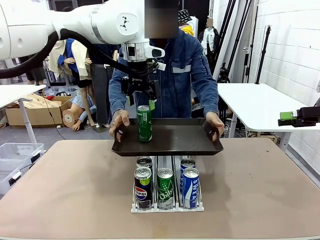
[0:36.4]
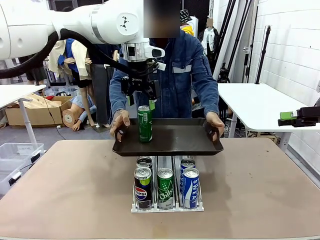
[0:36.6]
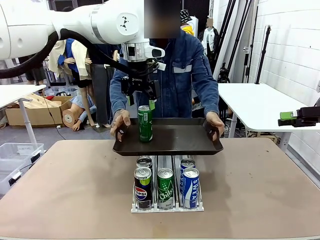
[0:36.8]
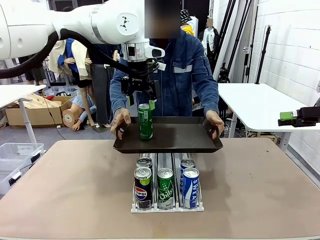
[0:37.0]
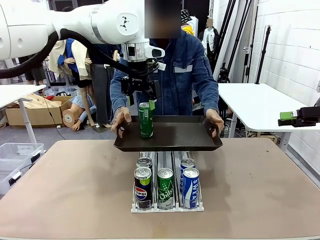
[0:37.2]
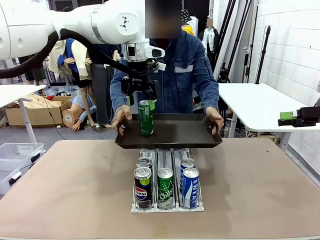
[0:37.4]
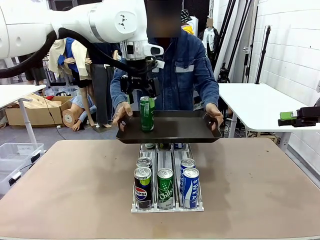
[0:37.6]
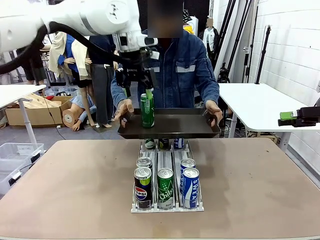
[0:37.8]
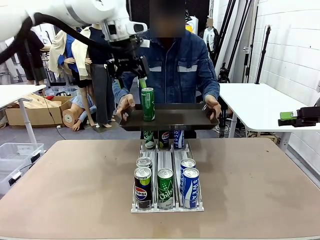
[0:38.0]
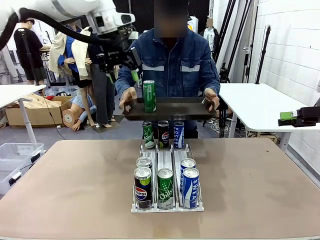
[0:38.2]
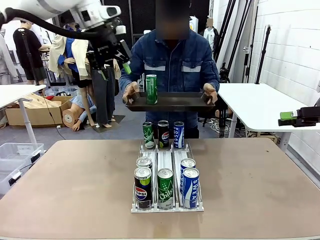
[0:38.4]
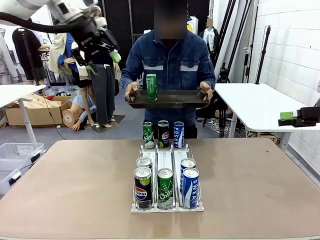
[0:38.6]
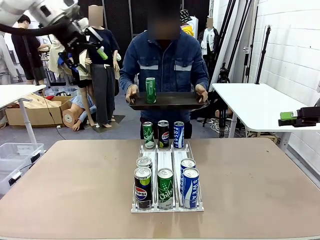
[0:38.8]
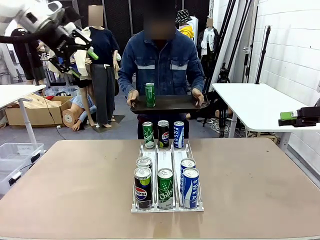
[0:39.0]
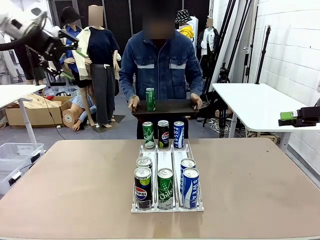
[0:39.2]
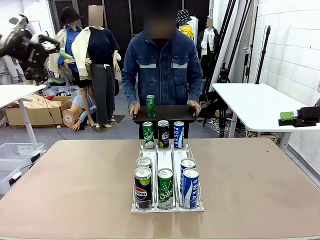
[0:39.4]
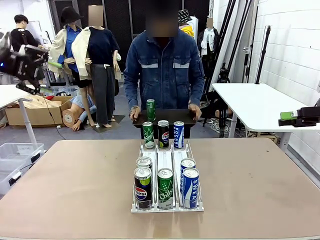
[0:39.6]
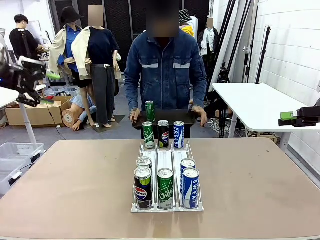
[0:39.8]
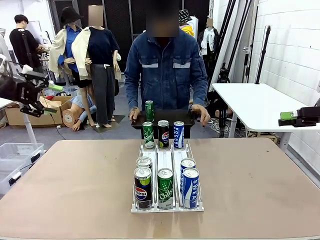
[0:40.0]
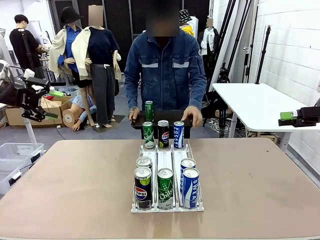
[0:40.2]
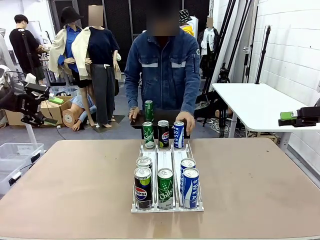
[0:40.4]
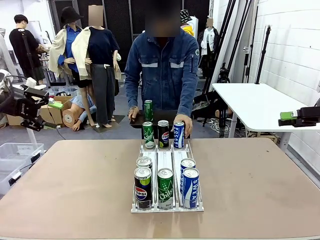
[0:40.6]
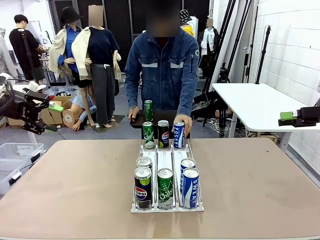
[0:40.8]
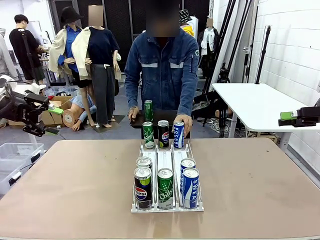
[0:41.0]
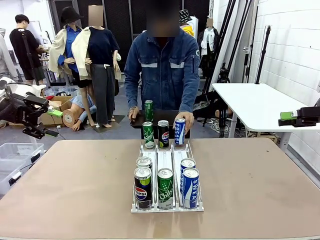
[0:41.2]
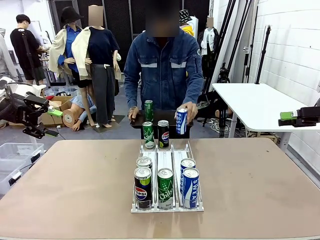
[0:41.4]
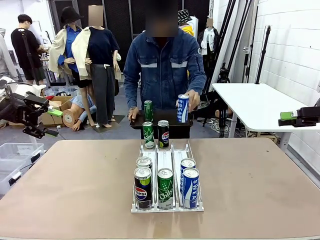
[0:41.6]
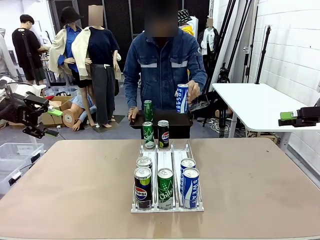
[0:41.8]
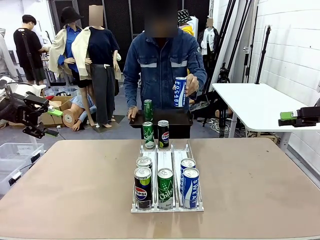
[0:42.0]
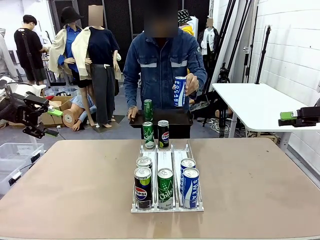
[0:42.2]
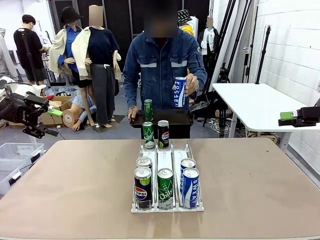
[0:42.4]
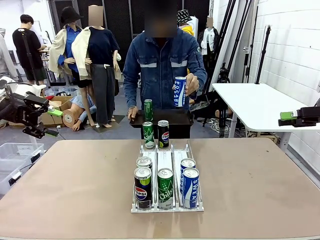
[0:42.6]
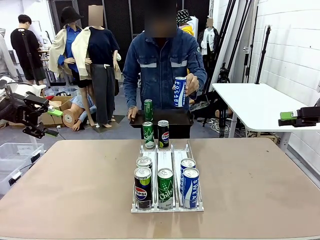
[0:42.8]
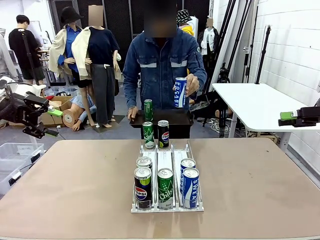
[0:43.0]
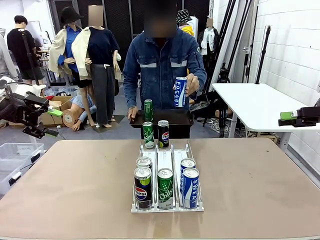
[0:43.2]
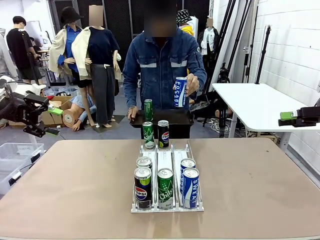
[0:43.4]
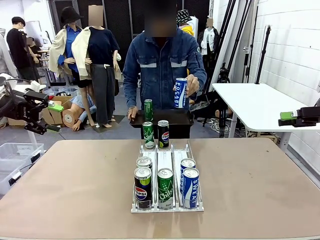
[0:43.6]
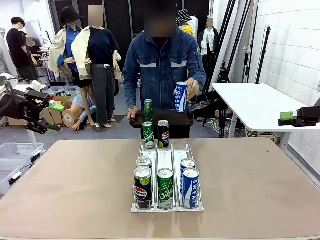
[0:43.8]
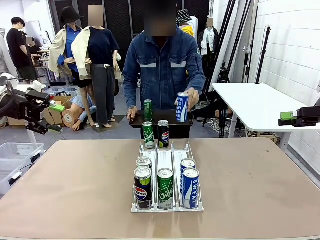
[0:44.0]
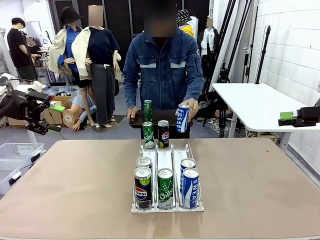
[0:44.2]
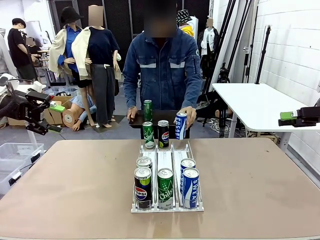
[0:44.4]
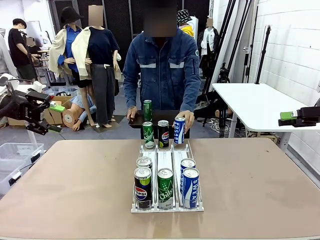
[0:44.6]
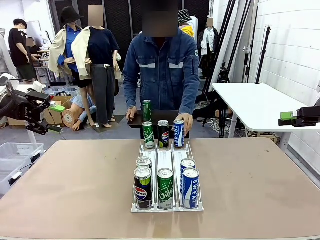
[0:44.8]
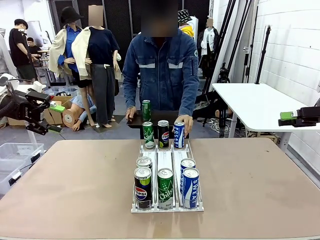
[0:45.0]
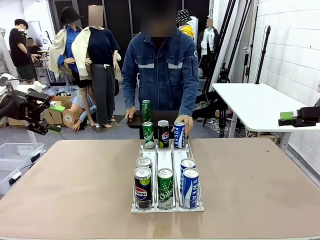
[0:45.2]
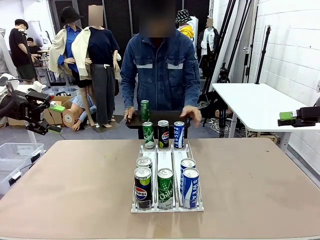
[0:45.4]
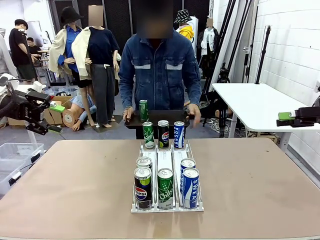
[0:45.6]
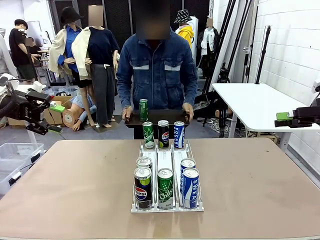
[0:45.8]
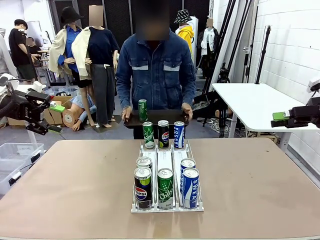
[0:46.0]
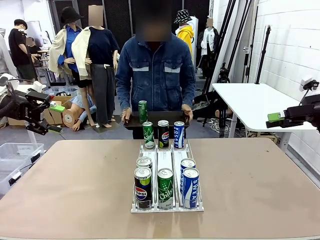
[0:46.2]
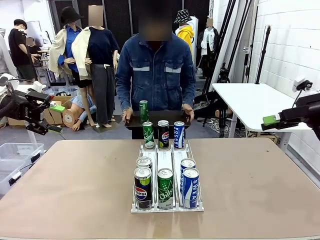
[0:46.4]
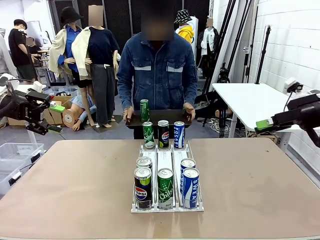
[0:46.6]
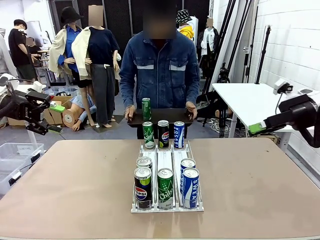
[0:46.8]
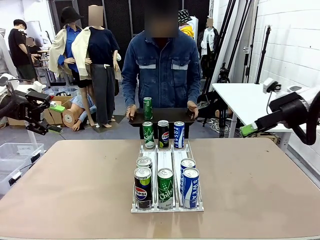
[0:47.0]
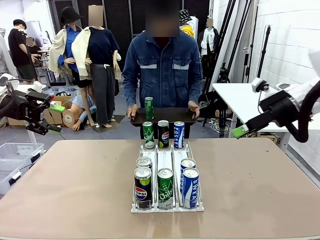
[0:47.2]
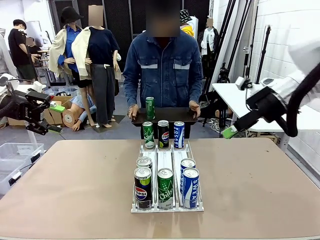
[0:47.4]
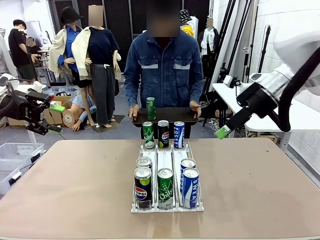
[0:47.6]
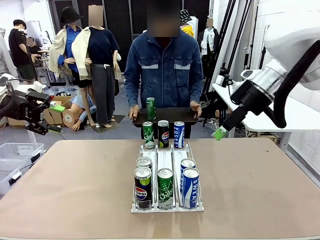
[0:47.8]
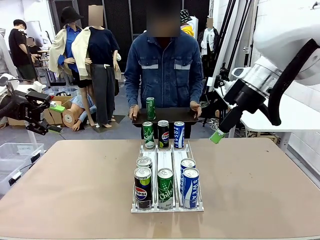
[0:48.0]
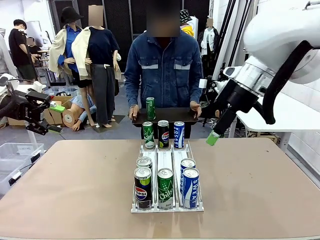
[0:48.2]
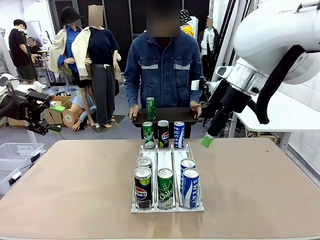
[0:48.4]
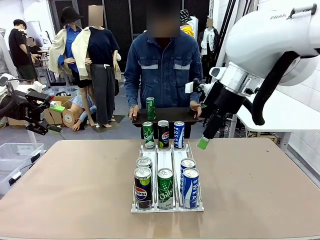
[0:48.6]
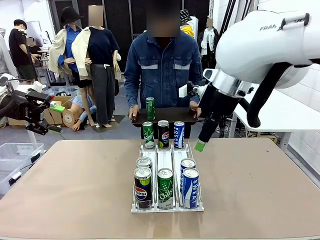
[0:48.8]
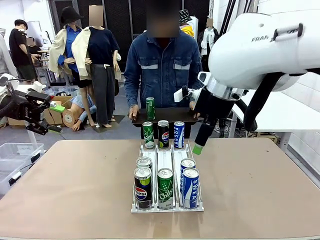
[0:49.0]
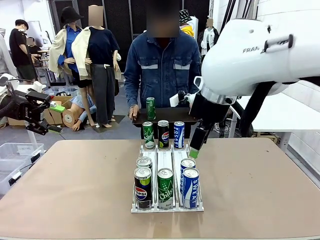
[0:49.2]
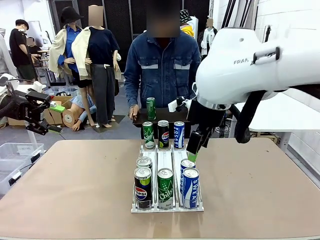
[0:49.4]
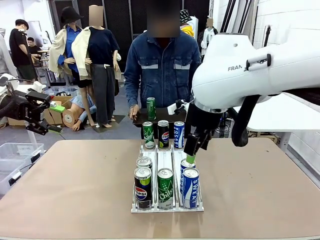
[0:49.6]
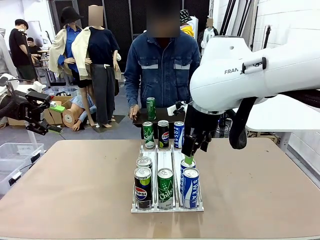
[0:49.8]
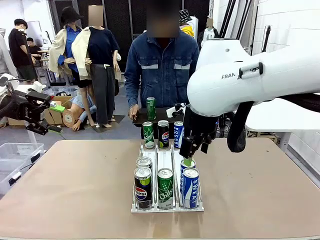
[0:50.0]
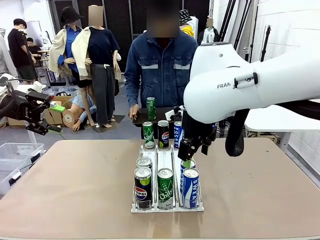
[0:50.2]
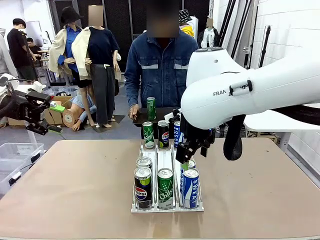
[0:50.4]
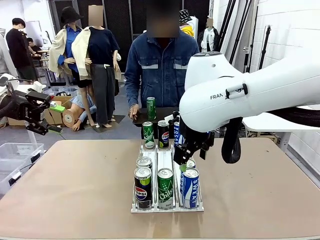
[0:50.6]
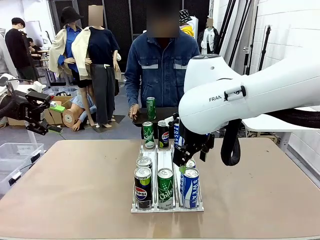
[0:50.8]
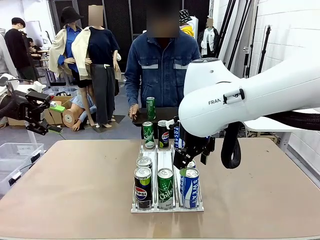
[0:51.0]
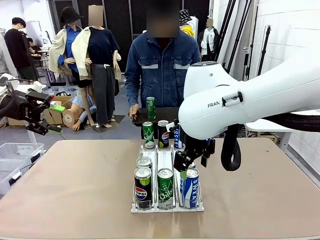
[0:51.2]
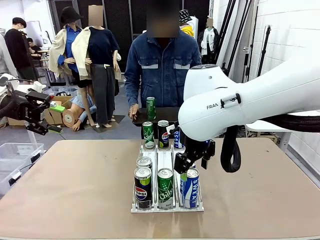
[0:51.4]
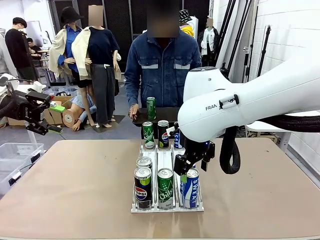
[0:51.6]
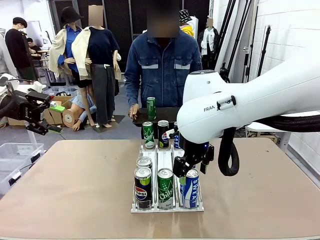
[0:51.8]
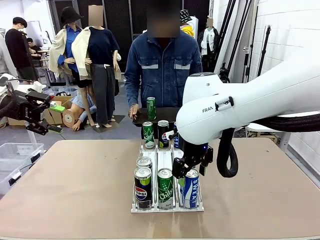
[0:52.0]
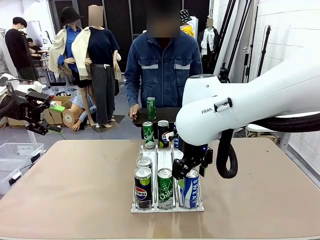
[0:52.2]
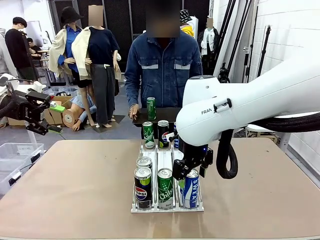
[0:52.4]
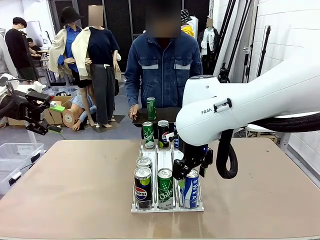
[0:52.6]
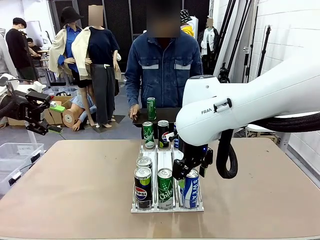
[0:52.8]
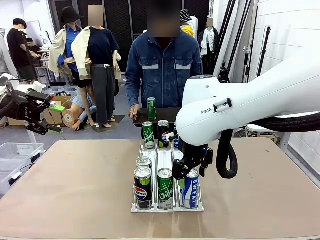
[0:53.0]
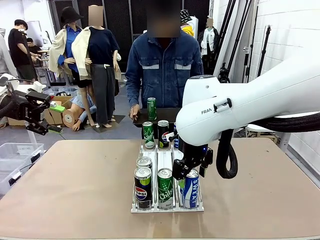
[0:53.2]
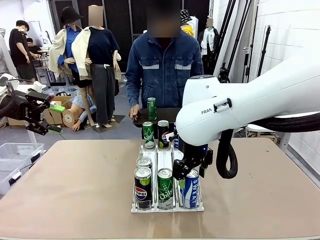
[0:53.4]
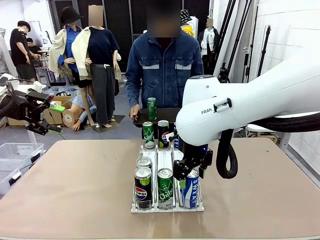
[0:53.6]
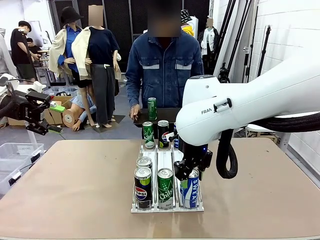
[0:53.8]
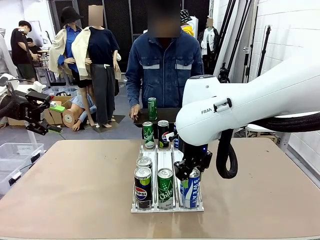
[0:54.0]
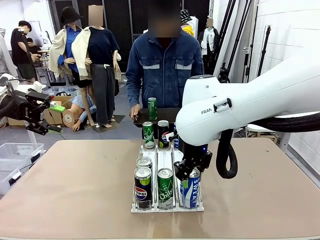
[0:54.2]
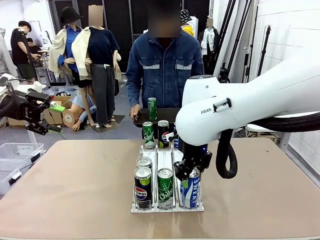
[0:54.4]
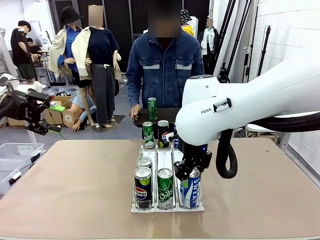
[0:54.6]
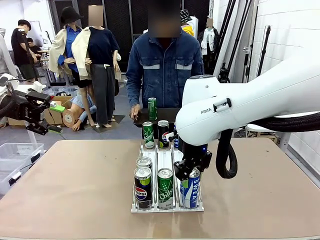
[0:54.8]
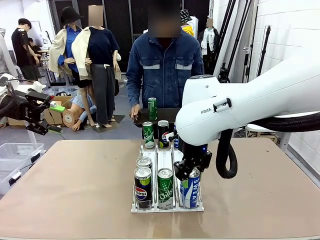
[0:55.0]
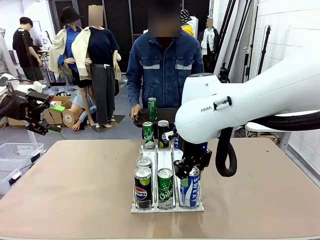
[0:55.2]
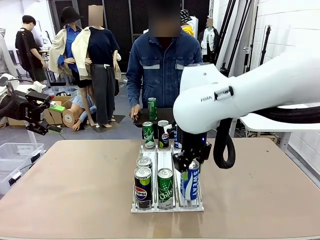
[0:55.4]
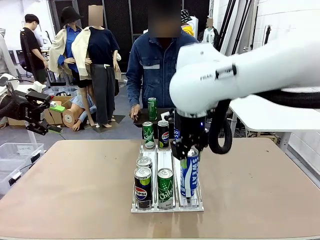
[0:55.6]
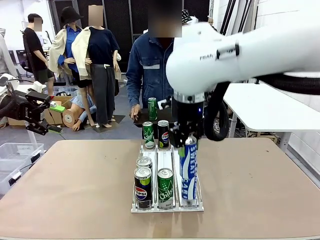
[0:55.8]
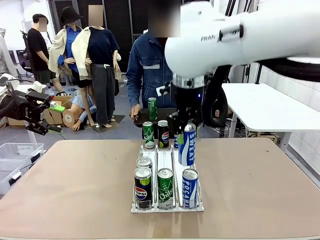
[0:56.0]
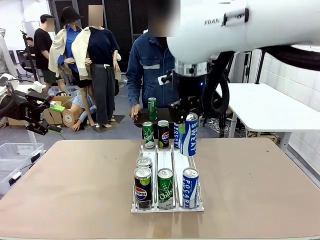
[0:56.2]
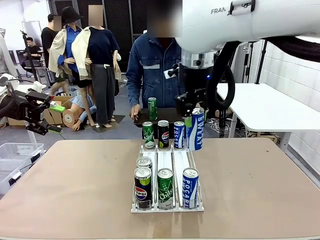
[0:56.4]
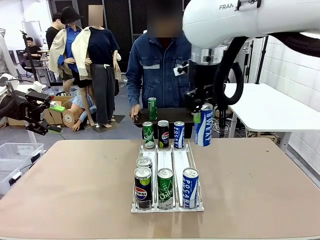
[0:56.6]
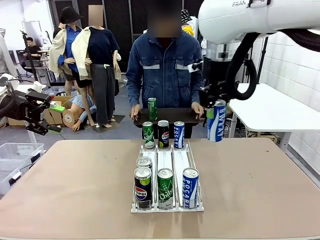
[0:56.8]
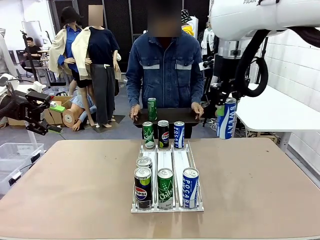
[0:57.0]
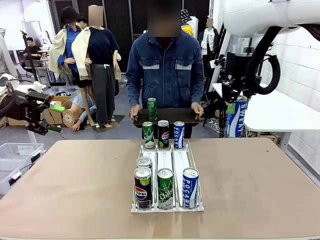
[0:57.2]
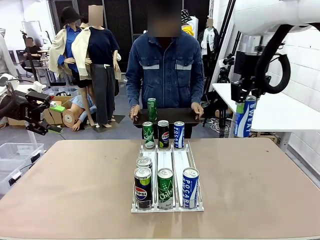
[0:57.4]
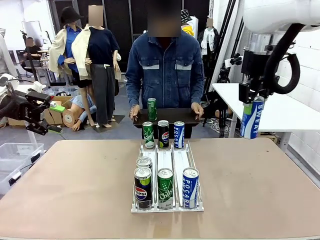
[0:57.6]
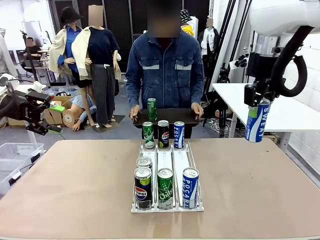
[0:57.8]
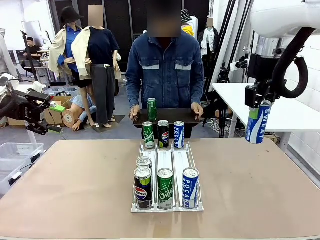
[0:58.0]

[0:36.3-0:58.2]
Task: Retrieve and hand over the desired beverage to the person.
Robot: Pick up another can of the same type that the person held from the Automatic Can Dispenser.
Person: Pull the tray back, then pick up another can from the bottom area of the table and puts it back in its original place. Push the tray toward the robot again.
